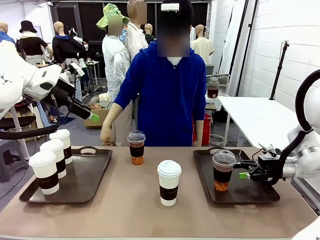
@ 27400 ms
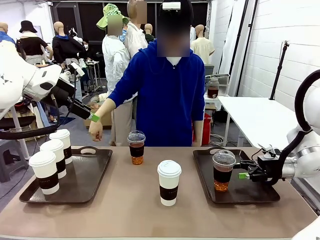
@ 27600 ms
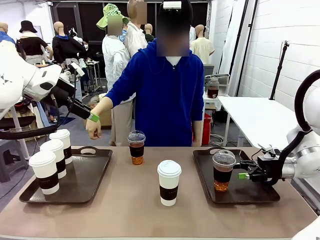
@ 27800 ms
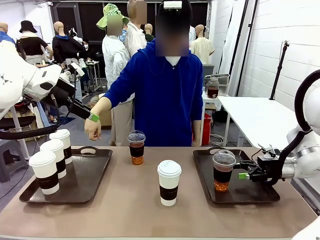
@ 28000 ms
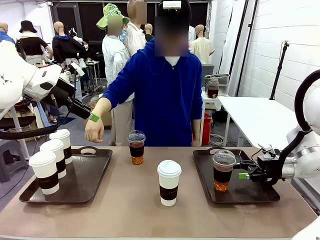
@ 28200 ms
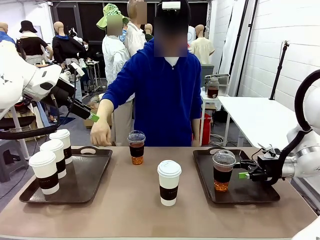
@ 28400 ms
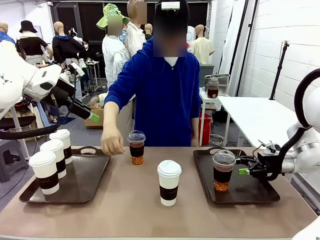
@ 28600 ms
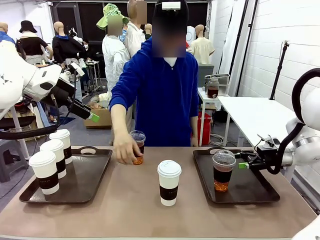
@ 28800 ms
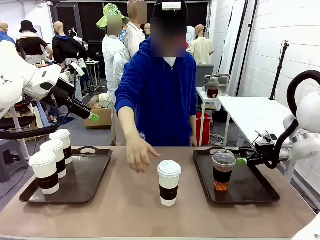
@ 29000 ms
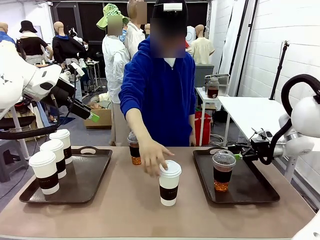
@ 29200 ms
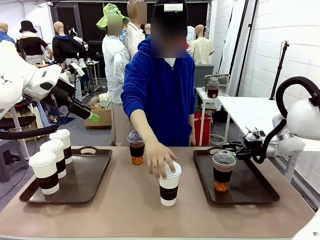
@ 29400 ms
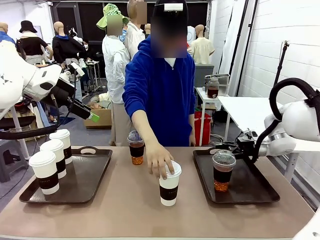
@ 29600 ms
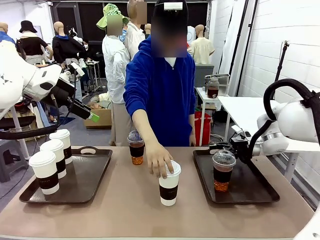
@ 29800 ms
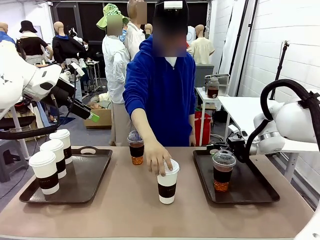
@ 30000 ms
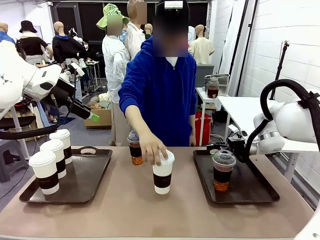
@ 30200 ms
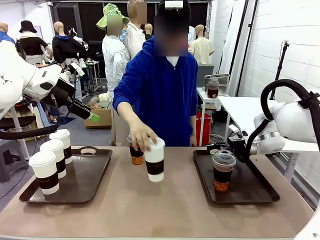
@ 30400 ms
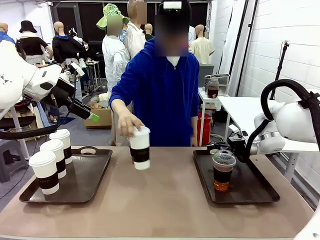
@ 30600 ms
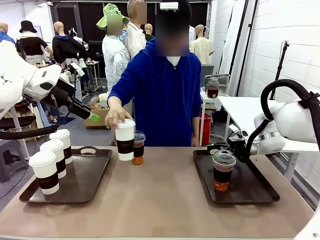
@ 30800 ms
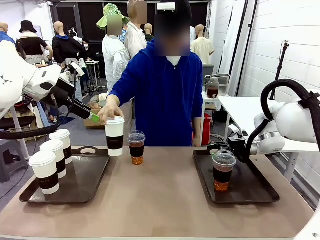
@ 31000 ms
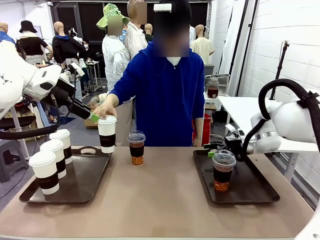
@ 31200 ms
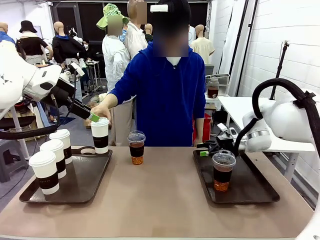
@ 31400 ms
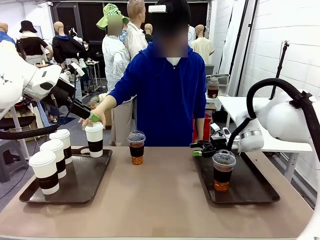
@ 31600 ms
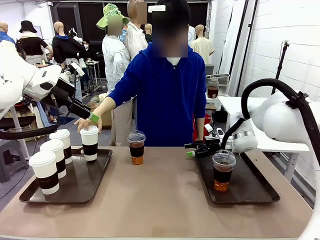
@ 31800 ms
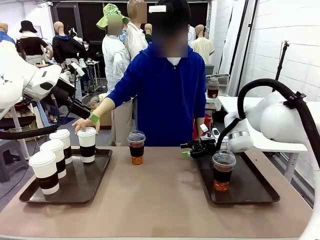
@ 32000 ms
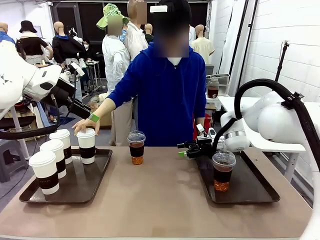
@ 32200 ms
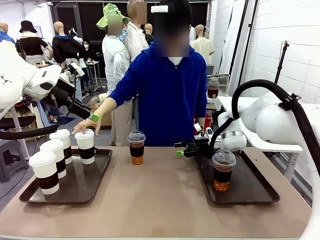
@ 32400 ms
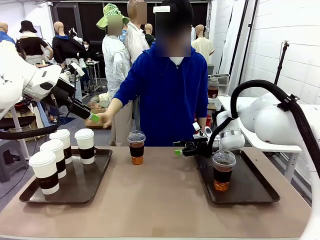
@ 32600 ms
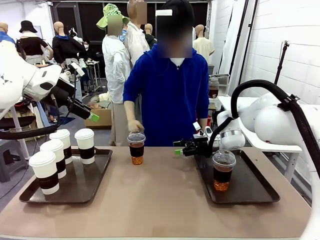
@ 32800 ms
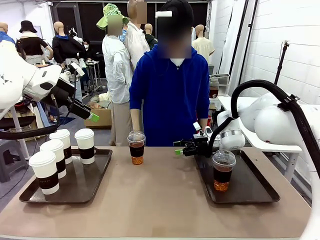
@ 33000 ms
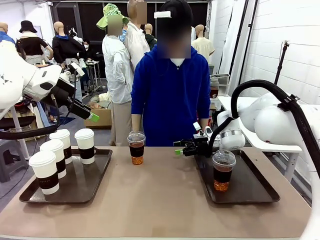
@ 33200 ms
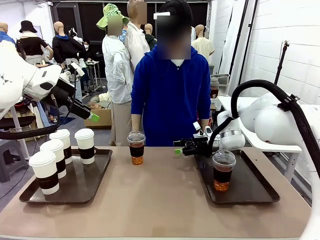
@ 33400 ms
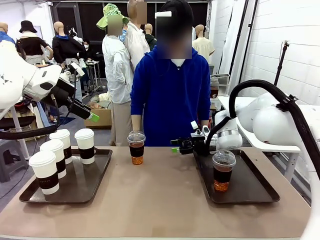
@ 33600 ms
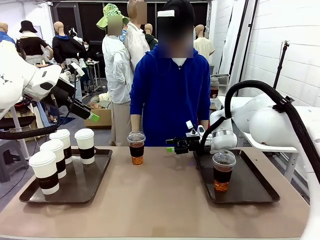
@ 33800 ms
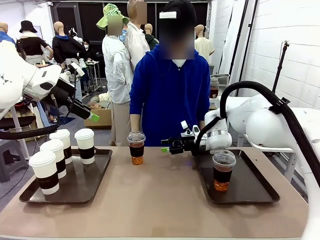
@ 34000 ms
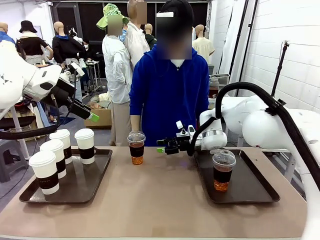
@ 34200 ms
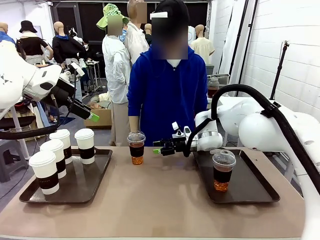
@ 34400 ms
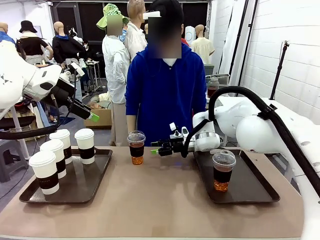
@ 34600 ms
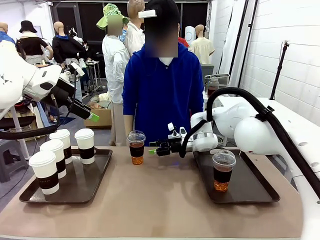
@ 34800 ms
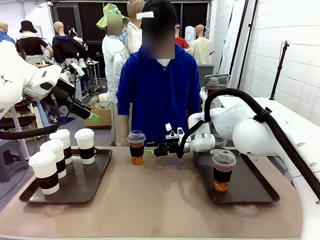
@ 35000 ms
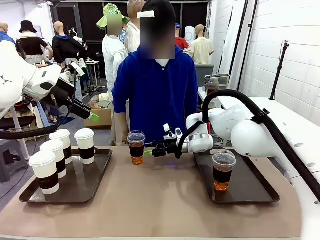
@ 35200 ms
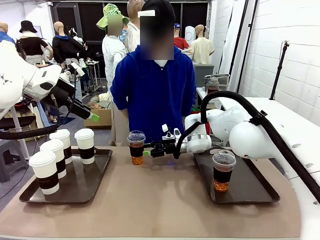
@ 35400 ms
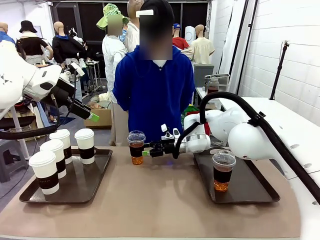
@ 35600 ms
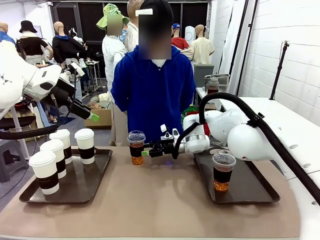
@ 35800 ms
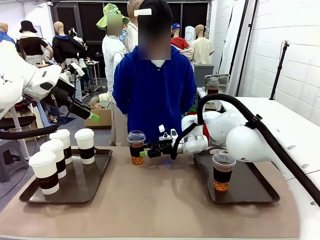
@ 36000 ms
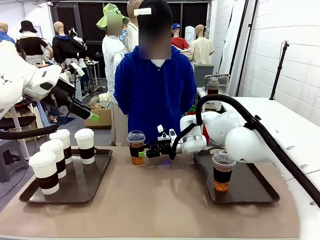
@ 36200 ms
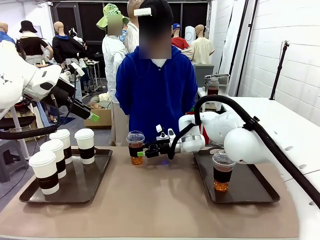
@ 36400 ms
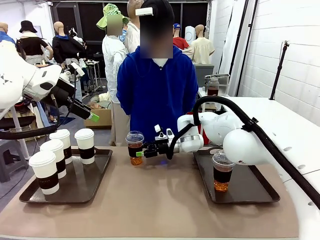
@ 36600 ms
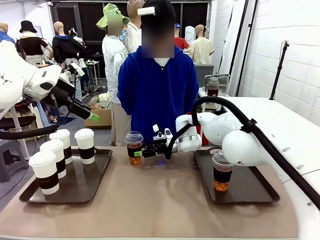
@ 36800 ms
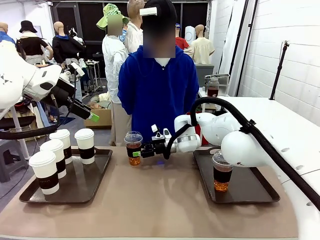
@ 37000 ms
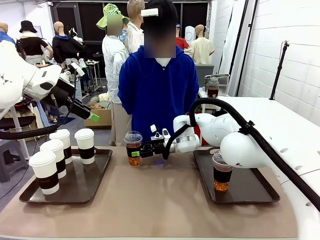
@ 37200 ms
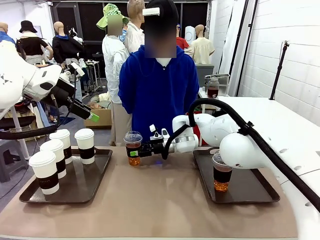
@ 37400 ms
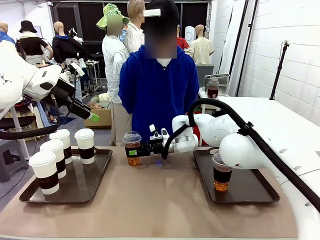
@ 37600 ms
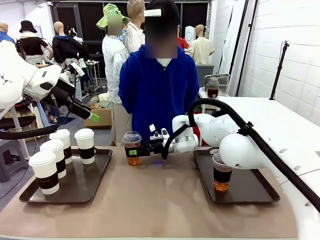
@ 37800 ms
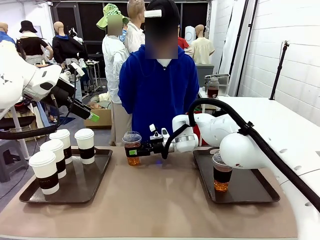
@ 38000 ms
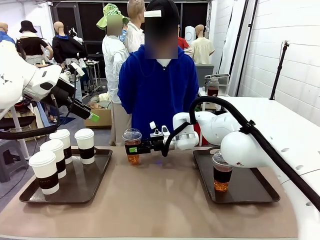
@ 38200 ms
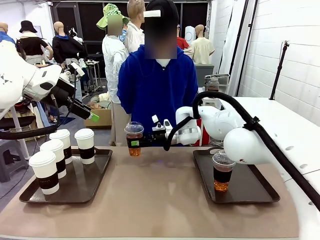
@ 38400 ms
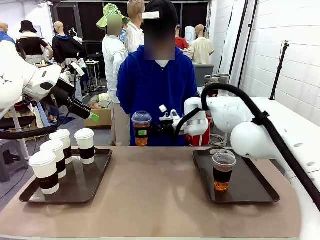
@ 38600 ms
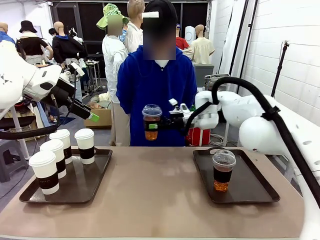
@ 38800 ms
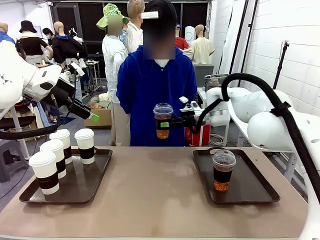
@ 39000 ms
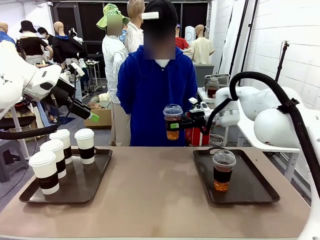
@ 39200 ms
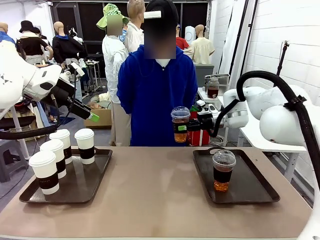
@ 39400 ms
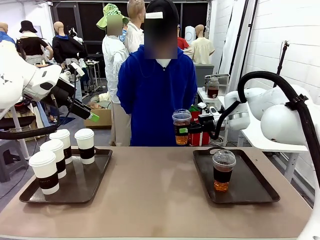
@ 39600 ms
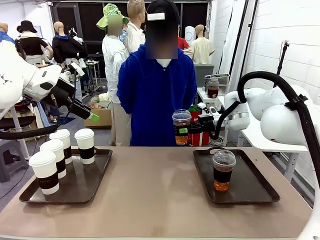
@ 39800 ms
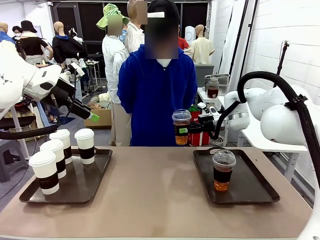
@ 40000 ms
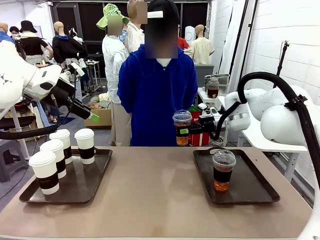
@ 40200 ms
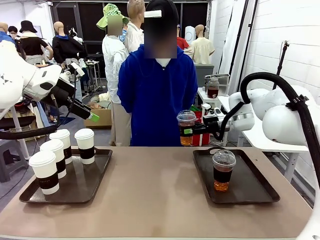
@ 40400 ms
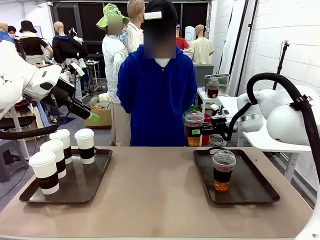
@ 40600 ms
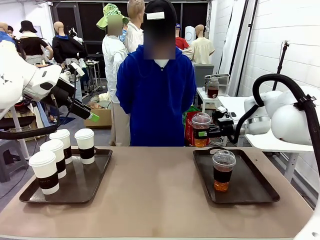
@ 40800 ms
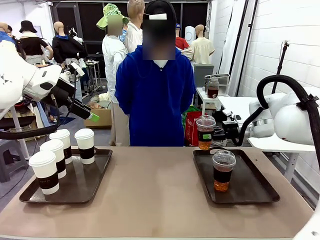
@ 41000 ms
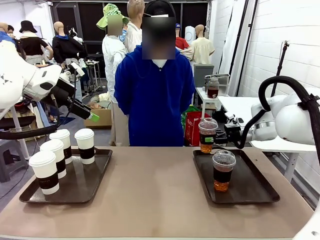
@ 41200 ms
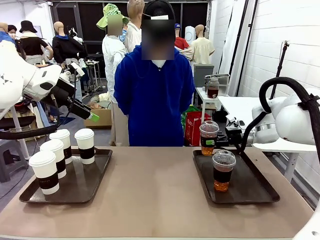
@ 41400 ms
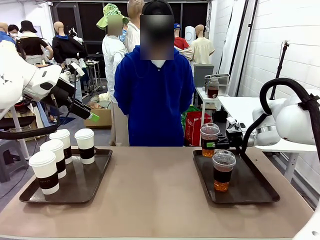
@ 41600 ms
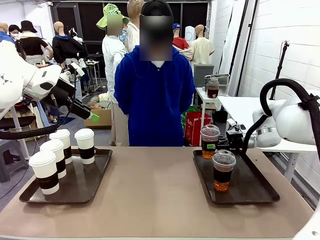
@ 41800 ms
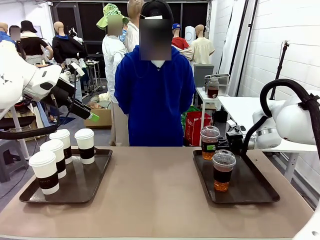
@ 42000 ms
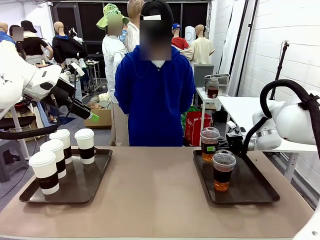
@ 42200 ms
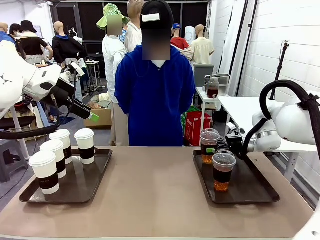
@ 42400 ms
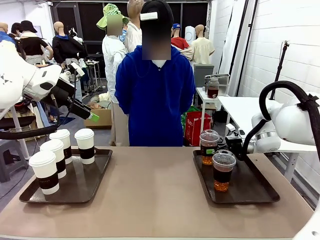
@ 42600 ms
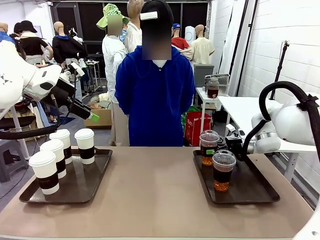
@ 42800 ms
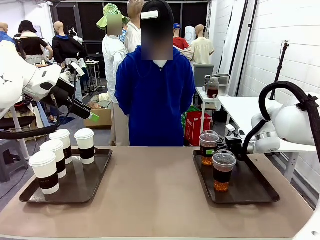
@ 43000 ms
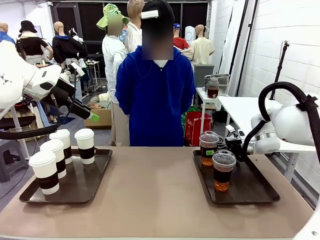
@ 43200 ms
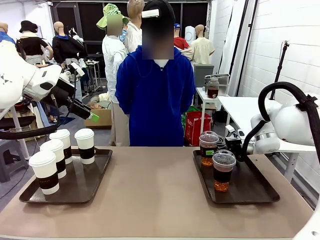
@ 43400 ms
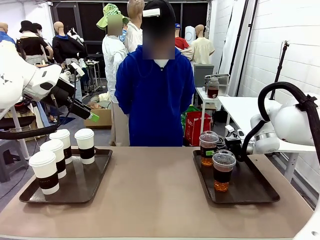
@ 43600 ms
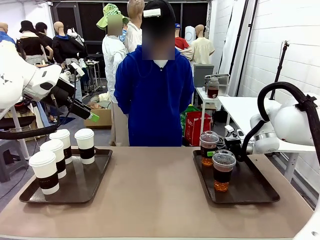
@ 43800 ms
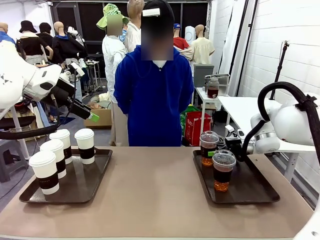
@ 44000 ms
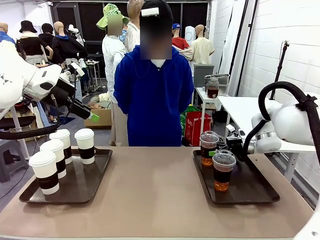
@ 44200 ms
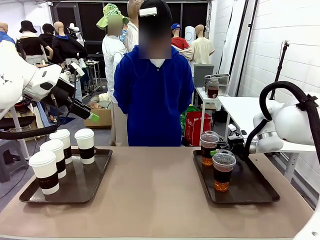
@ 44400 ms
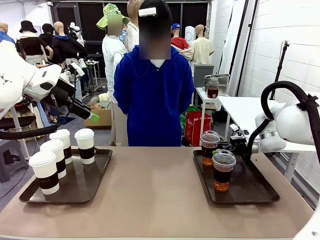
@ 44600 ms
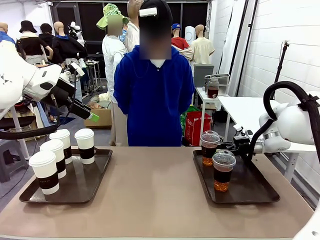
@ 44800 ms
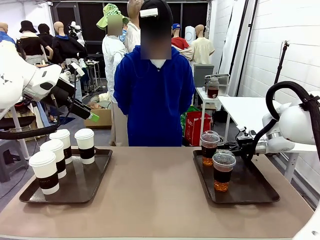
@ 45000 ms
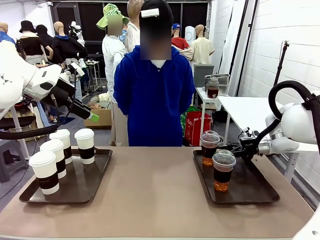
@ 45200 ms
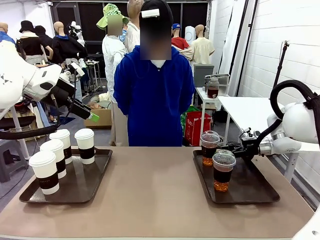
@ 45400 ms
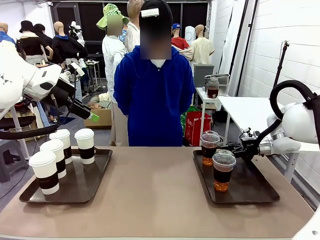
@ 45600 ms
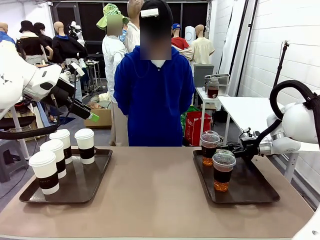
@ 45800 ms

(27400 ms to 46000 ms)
Task: Distribute the coffee onto the tray.
Robot: Pick up another iced Americano from the middle of the table and place it on the right Handle tray.
Person: Pick up a cup of hot Americano from the middle of the table and place it on the right tray.

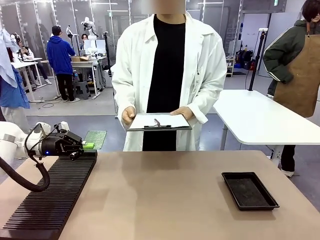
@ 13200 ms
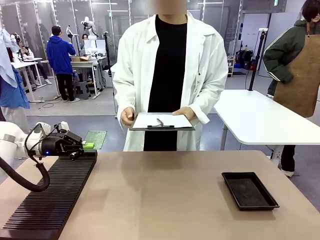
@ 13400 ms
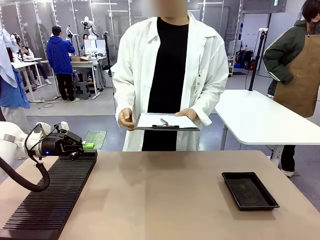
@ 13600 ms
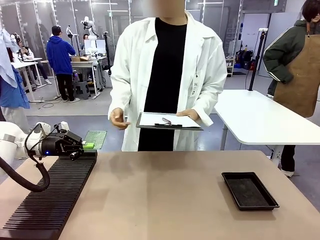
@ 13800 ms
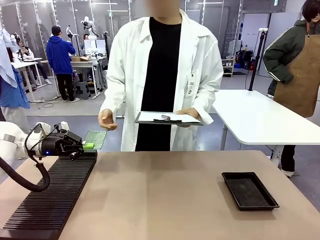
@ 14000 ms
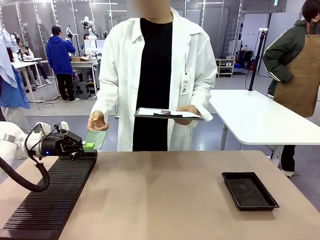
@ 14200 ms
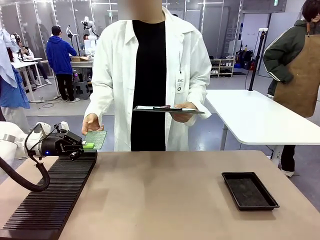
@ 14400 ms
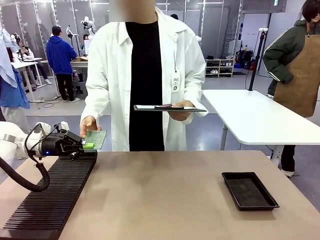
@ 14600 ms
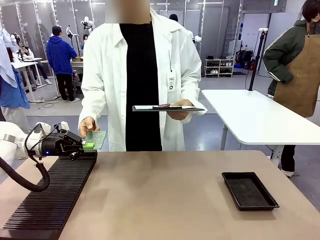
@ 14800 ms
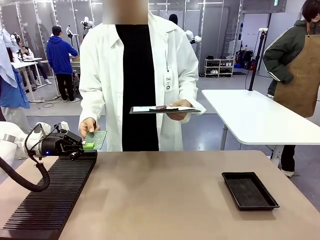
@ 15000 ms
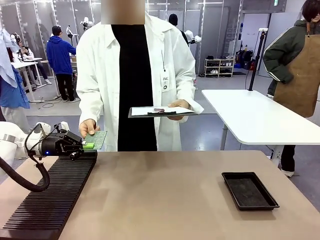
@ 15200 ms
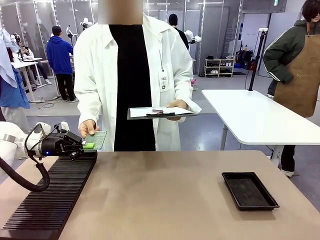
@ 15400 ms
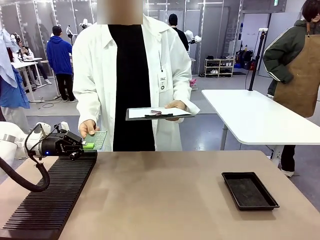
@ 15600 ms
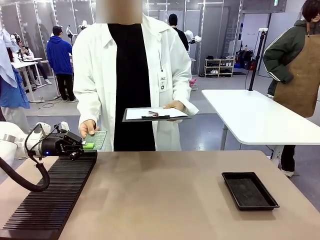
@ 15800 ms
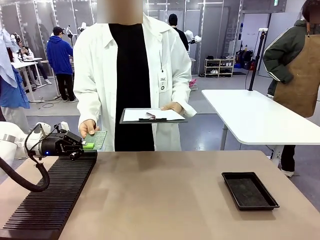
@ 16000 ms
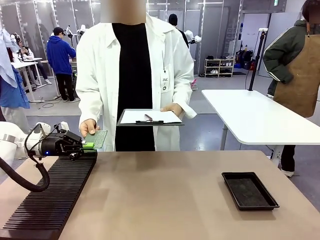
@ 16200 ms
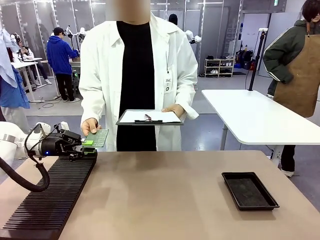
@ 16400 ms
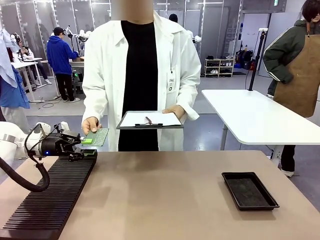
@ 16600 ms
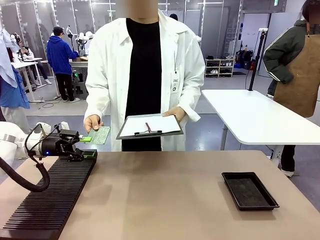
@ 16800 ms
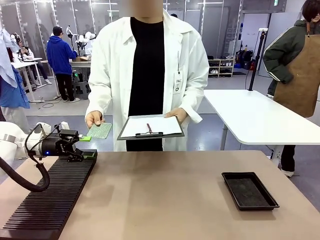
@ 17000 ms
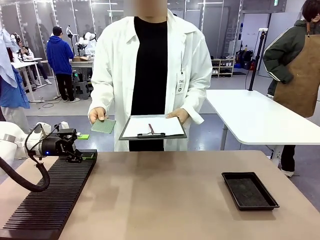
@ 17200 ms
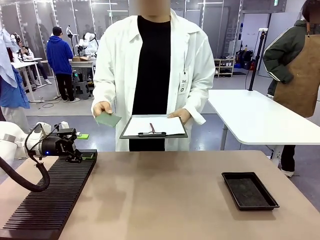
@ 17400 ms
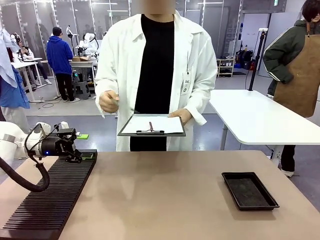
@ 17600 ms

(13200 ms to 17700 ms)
Task: Inspect the PCB.
Robot: Release the Blank PCB you were holding.
